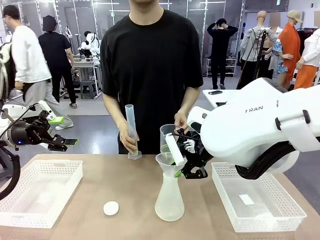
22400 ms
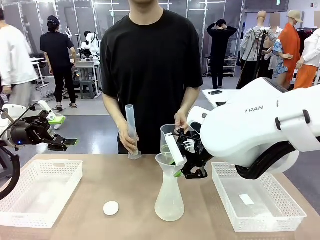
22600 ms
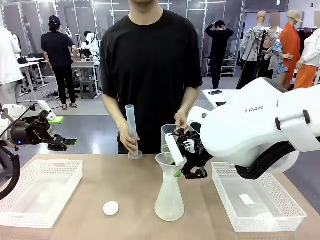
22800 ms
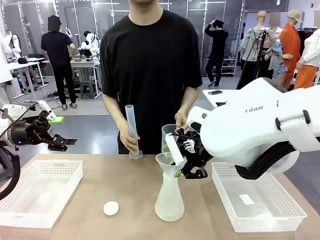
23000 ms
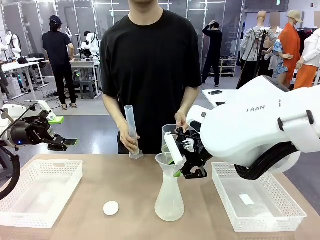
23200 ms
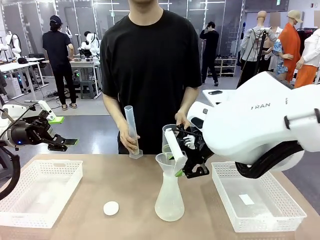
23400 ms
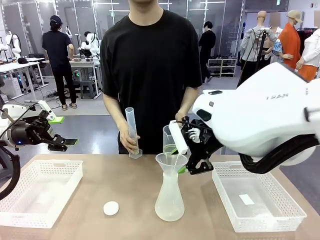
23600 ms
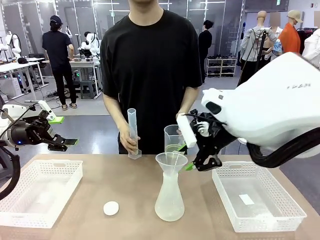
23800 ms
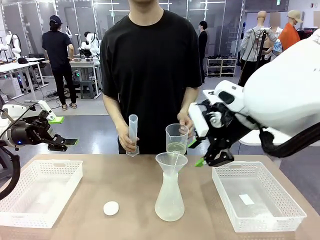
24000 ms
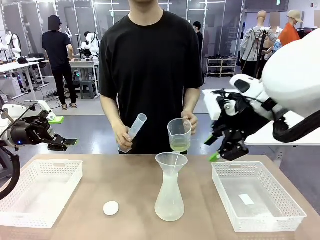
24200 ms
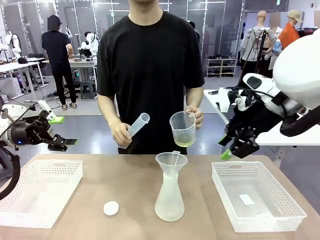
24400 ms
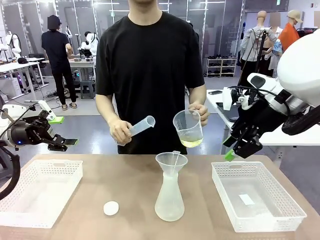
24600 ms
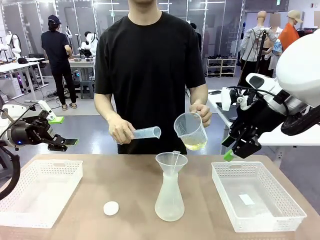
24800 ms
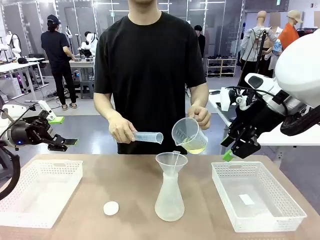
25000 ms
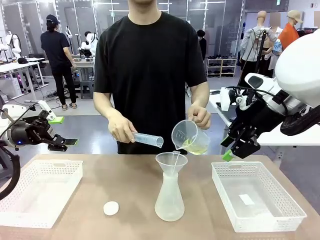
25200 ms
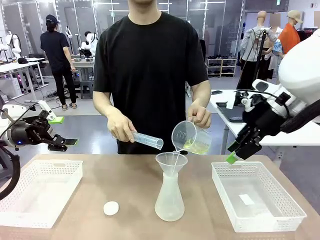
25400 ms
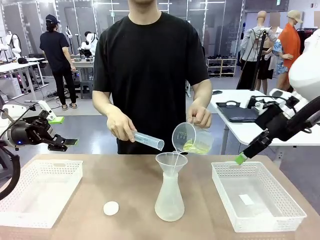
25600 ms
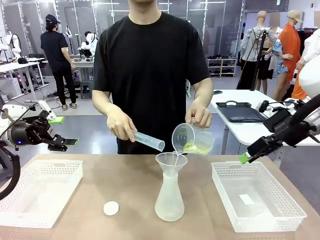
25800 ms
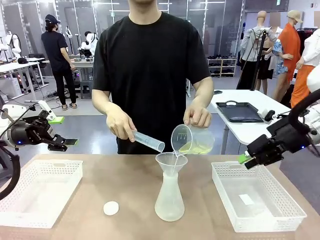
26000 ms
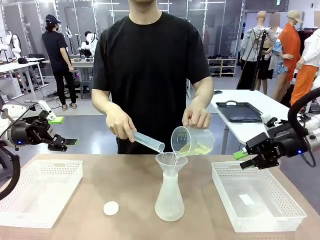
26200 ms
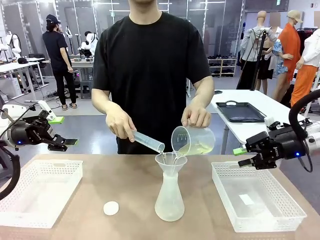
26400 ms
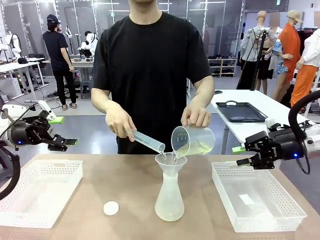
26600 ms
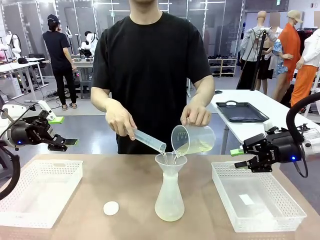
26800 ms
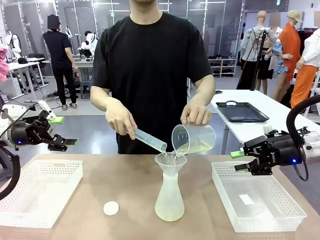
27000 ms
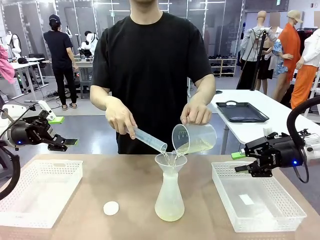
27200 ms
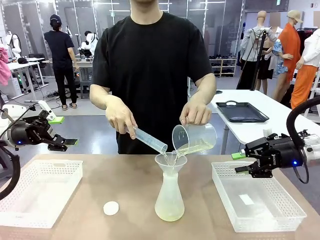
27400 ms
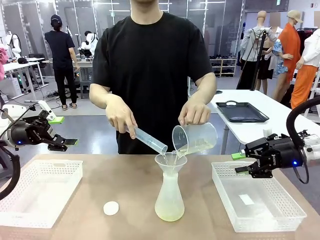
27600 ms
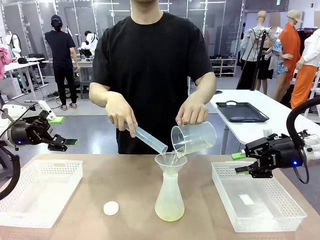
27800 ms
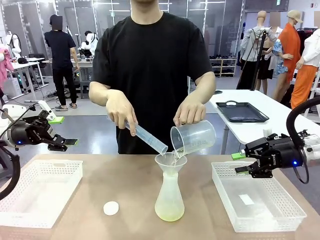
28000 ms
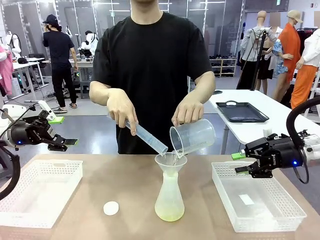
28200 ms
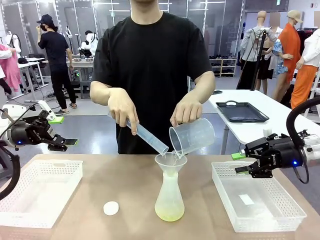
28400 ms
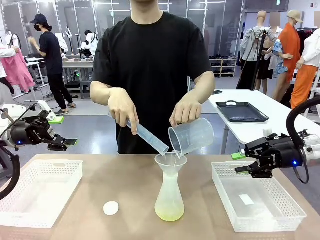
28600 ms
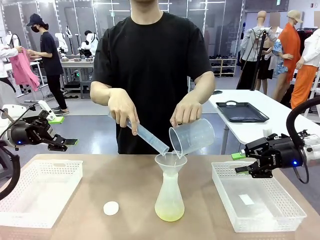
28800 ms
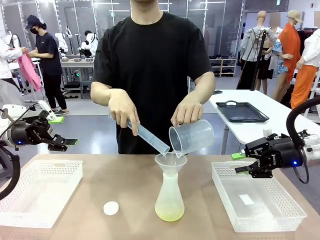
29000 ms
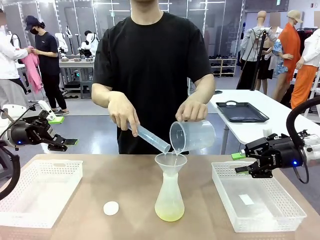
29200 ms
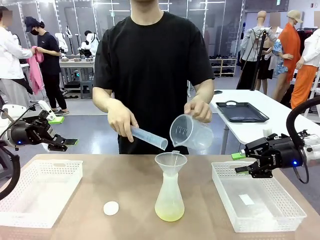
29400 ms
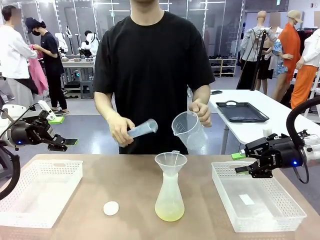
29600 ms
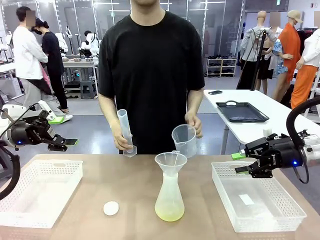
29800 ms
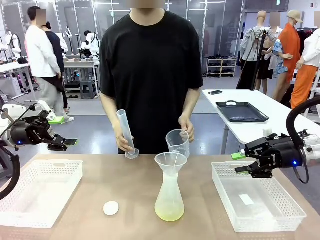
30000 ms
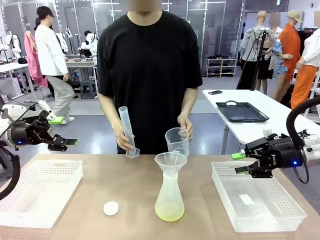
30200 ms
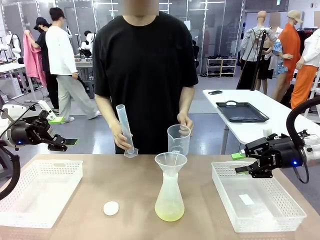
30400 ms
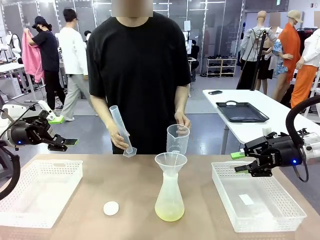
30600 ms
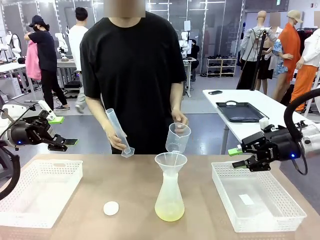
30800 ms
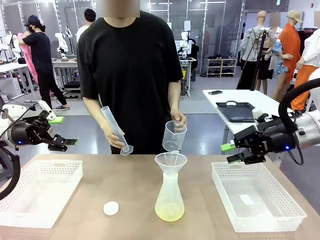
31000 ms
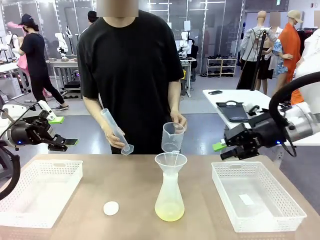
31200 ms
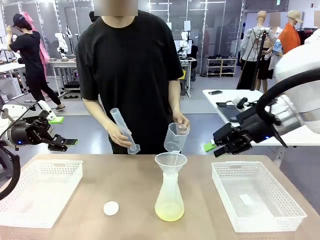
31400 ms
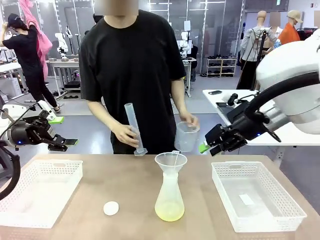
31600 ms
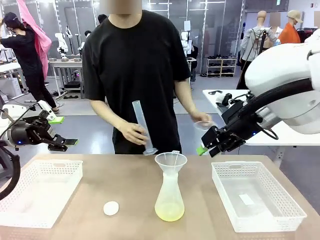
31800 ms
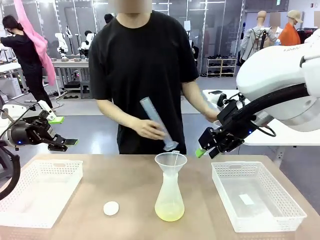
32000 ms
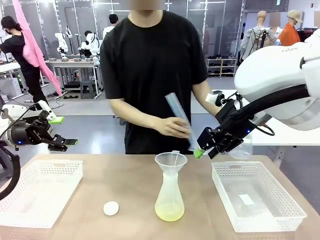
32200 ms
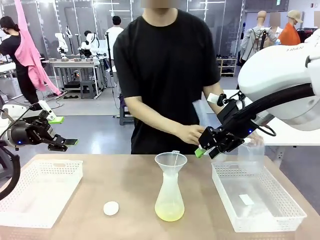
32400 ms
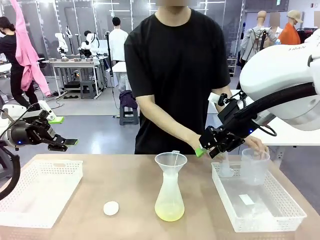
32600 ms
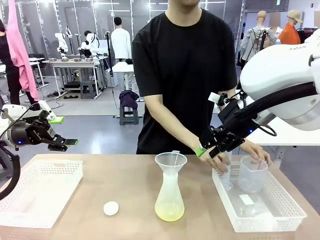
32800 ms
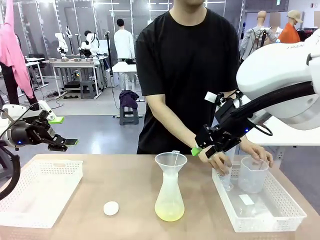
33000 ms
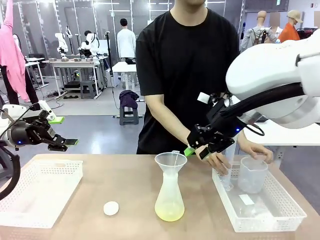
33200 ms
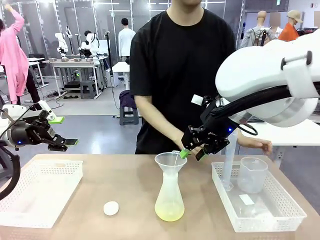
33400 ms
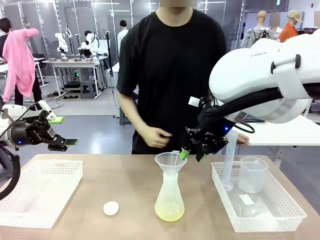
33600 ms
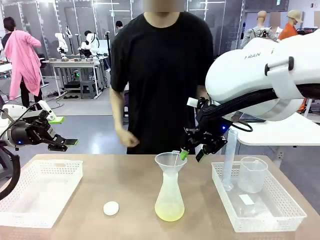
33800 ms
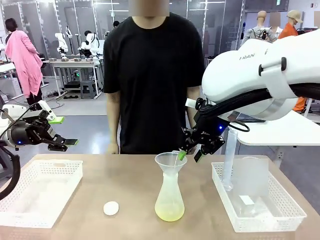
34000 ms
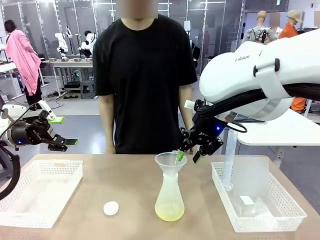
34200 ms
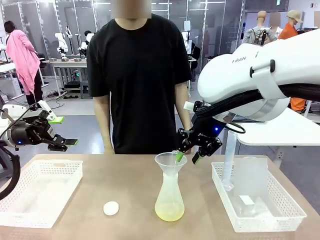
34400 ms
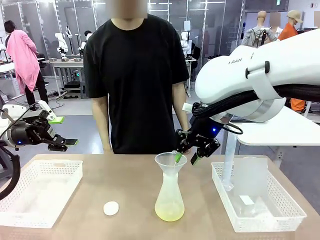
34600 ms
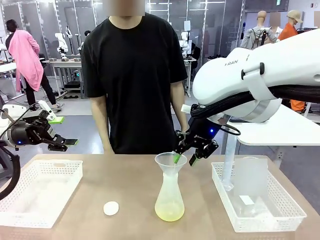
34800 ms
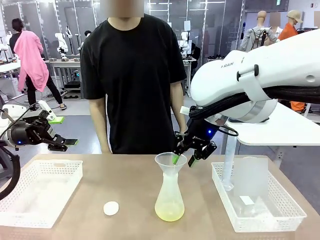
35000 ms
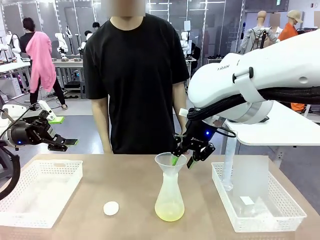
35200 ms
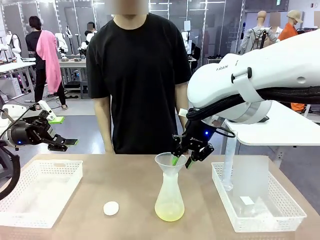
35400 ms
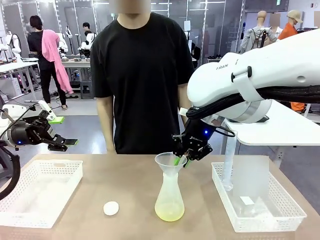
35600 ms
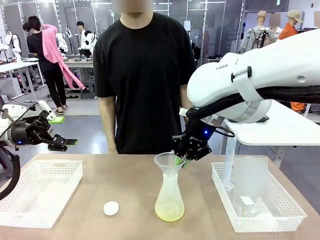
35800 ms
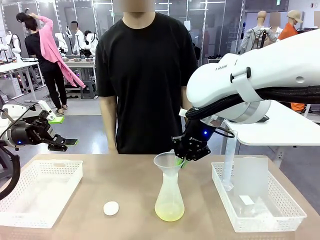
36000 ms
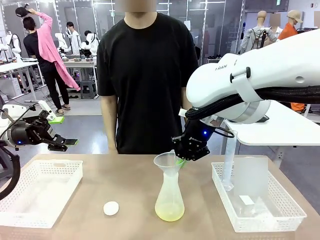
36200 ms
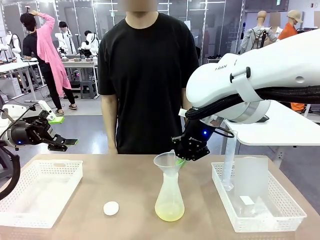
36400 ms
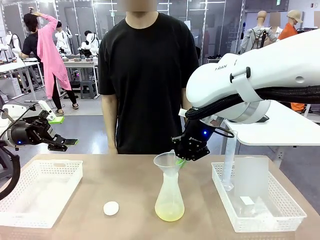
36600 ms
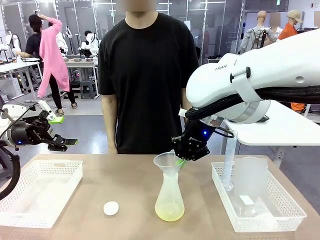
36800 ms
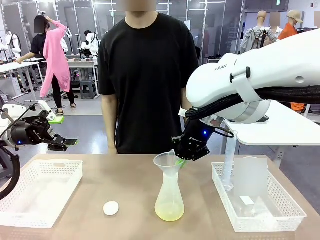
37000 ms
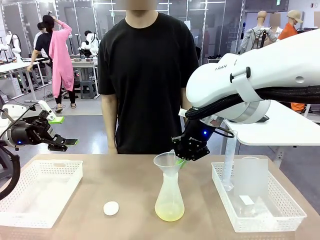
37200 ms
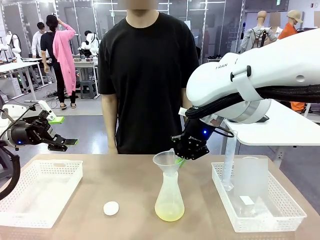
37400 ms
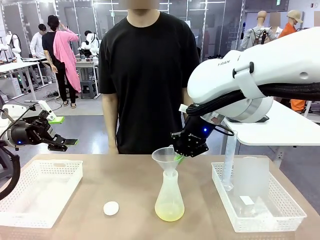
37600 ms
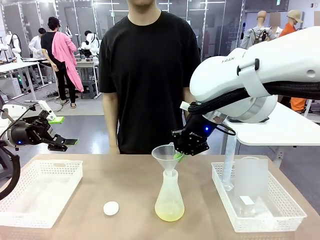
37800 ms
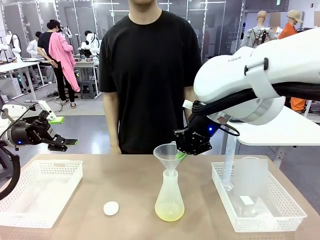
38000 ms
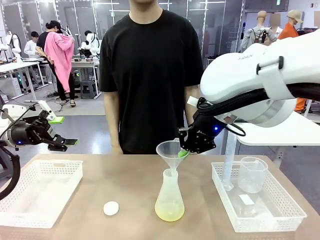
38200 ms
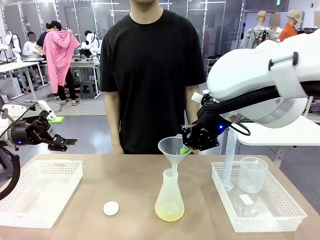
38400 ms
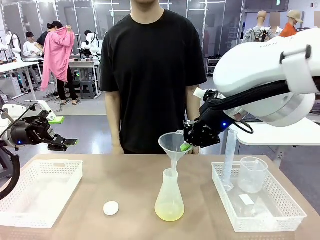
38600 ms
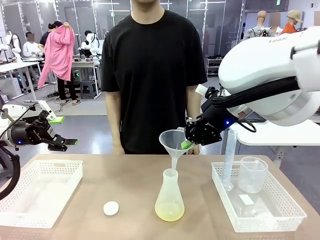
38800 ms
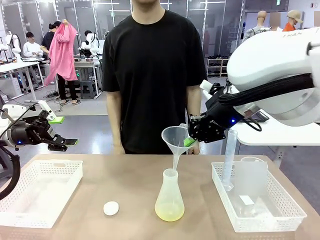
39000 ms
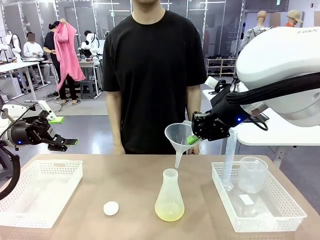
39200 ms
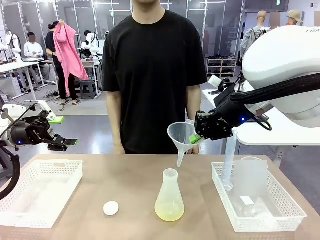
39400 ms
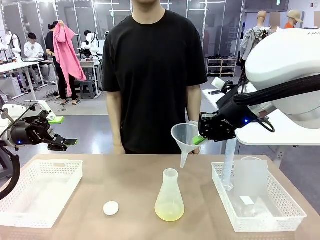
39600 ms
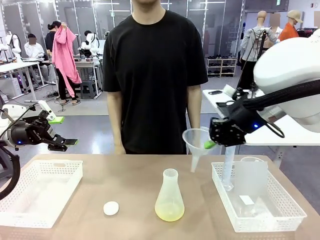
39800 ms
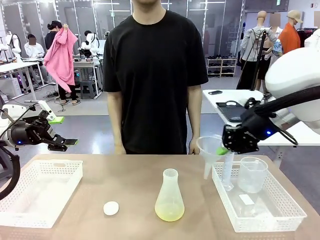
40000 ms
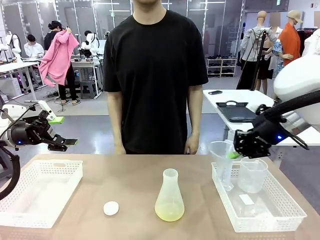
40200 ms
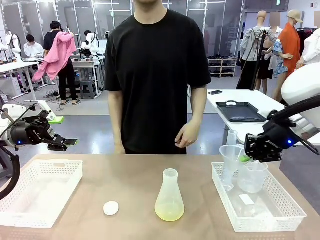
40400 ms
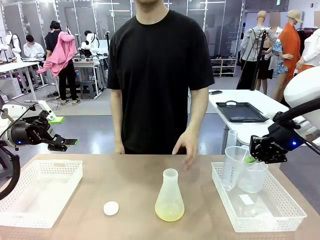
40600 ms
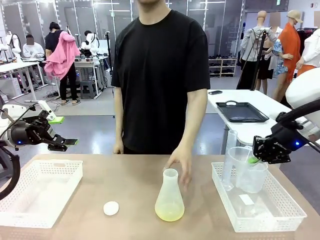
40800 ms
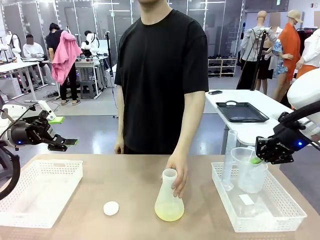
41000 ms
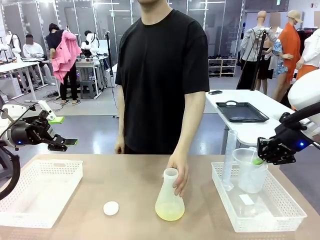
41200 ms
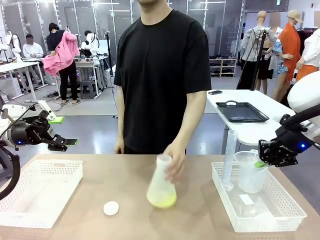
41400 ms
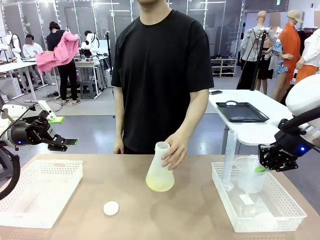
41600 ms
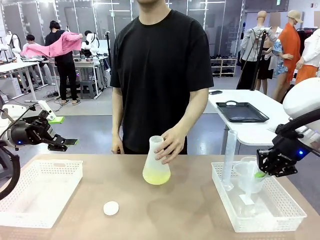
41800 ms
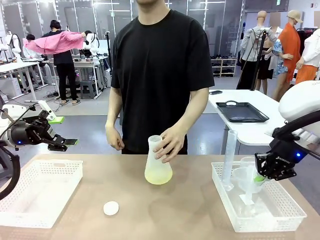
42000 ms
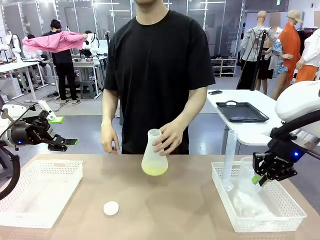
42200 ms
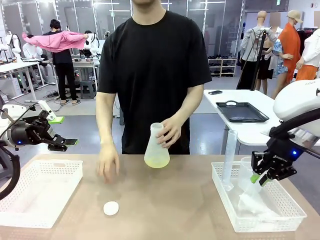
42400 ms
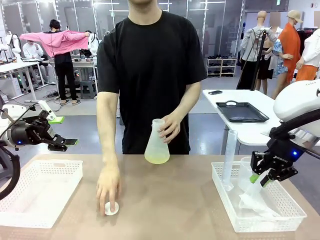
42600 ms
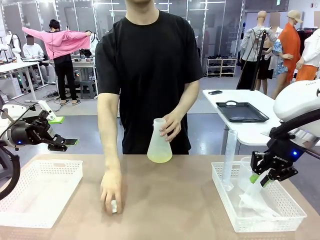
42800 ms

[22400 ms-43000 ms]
Task: Prepare the solutions needed for the experiment.
Robot: Once the solution is in the Big flask , pick up the Plastic Funnel and place it back into the right Organizing basket.
Person: Place the beaker and the cylinder into the organizing basket on the left side. Pick up the flask, gently shake it 2–3 times, place it in the middle of the robot table, and close the lid.
